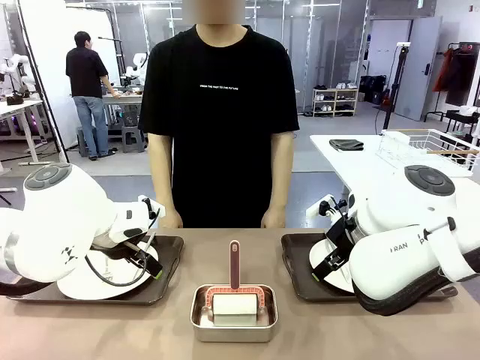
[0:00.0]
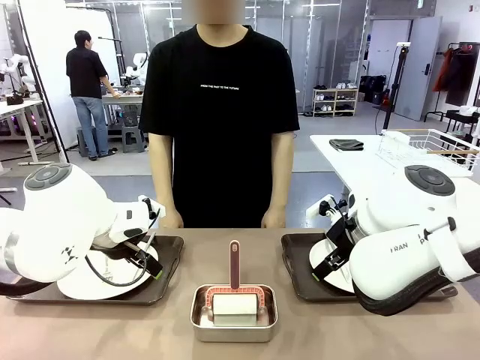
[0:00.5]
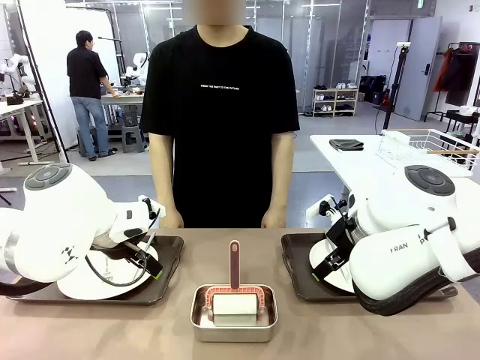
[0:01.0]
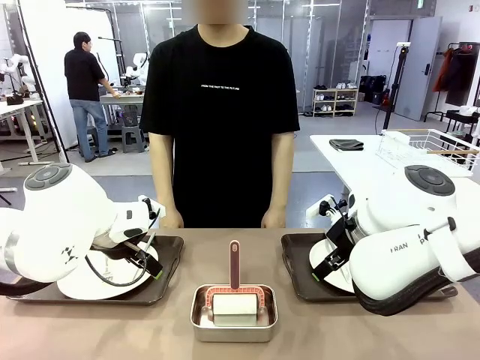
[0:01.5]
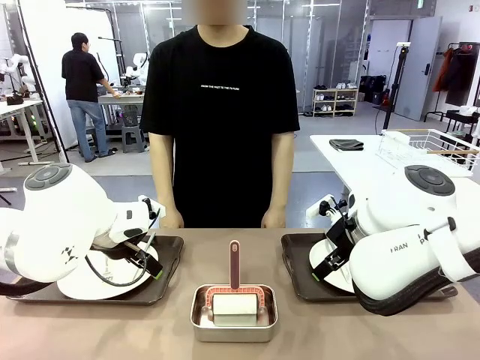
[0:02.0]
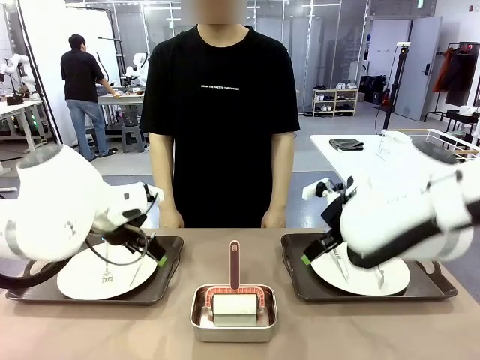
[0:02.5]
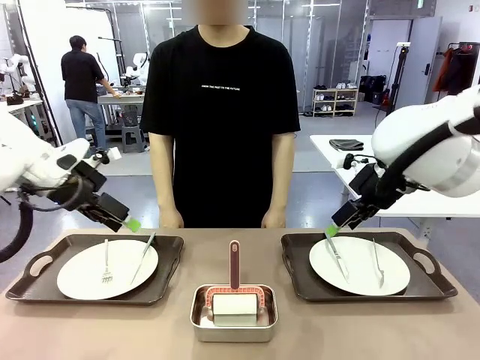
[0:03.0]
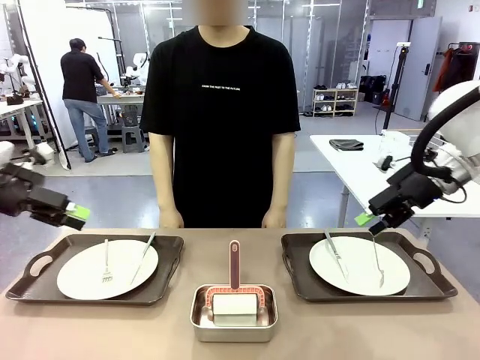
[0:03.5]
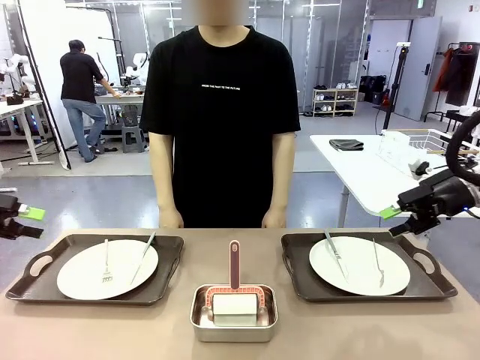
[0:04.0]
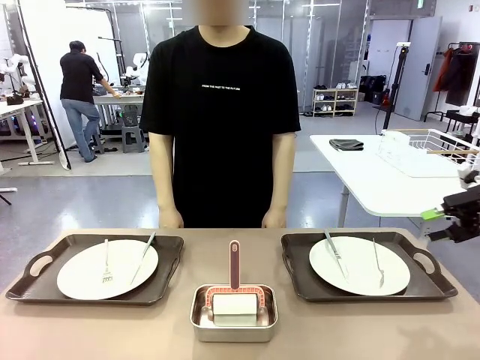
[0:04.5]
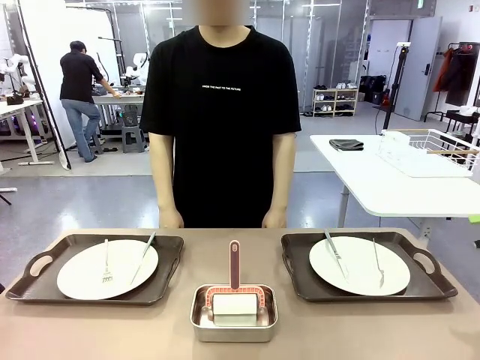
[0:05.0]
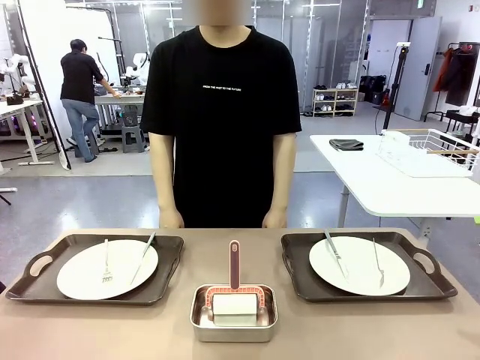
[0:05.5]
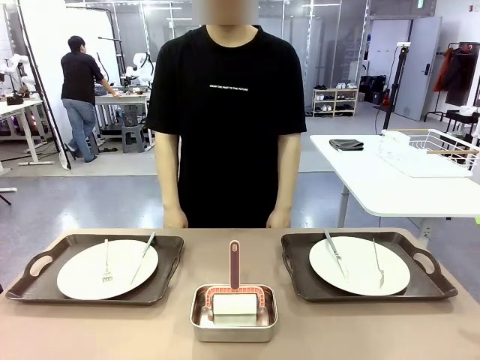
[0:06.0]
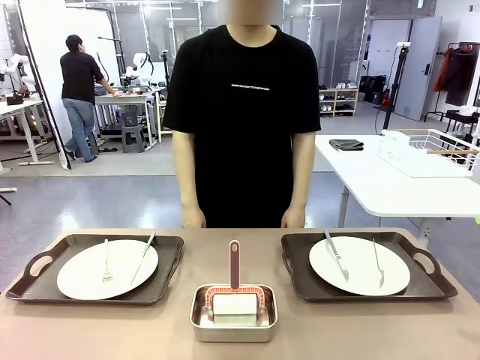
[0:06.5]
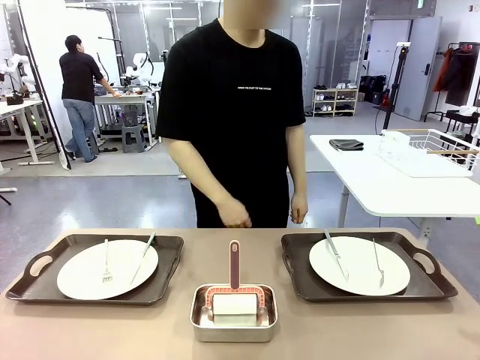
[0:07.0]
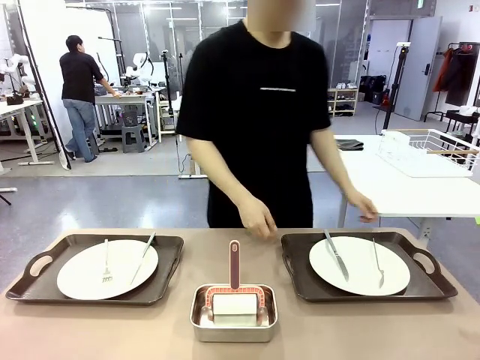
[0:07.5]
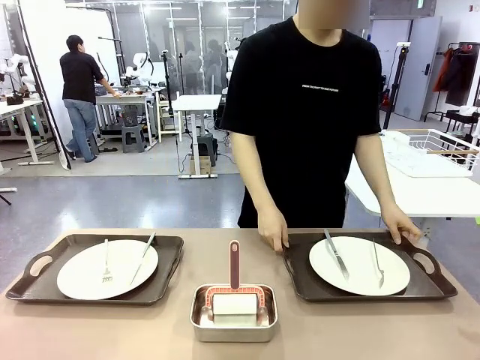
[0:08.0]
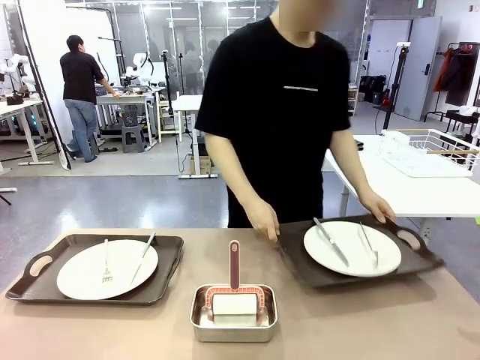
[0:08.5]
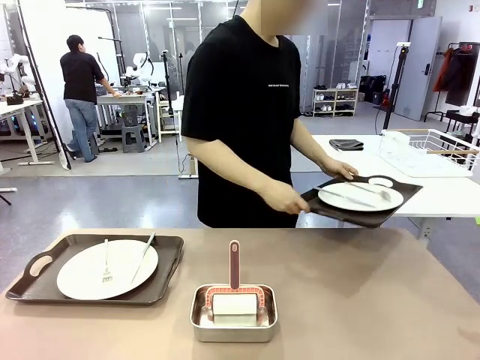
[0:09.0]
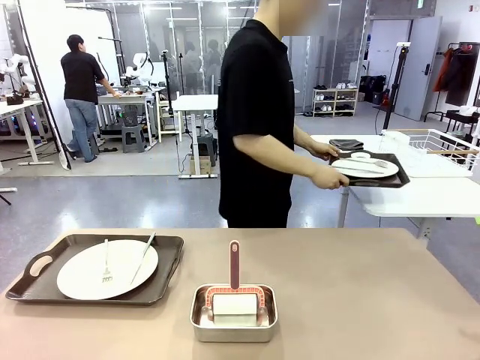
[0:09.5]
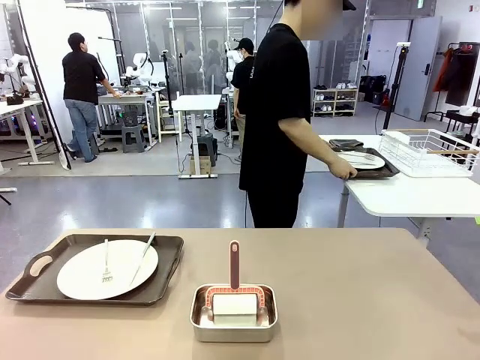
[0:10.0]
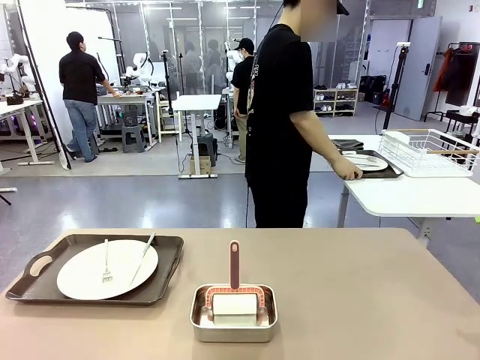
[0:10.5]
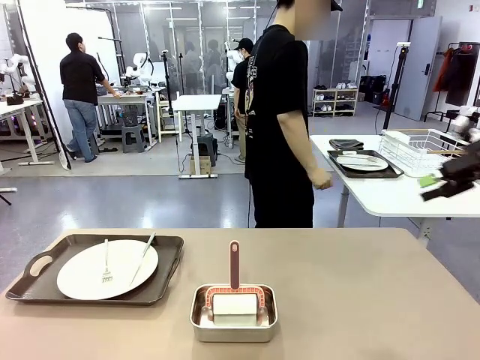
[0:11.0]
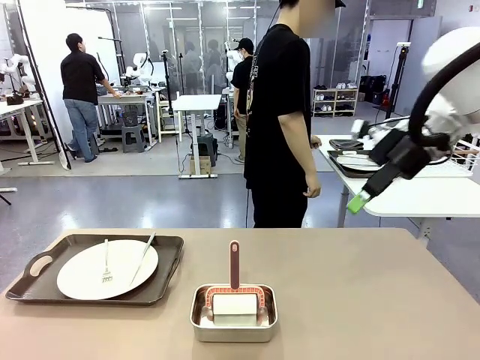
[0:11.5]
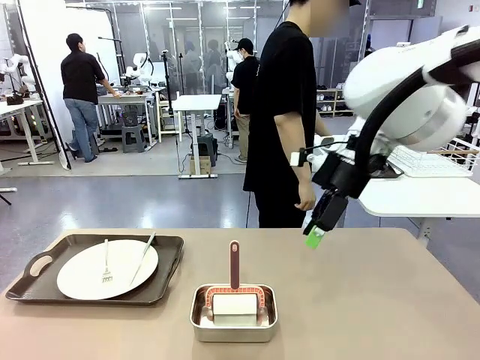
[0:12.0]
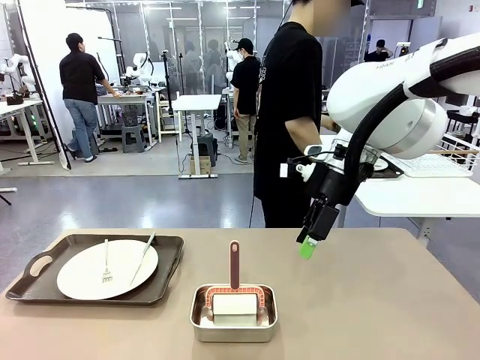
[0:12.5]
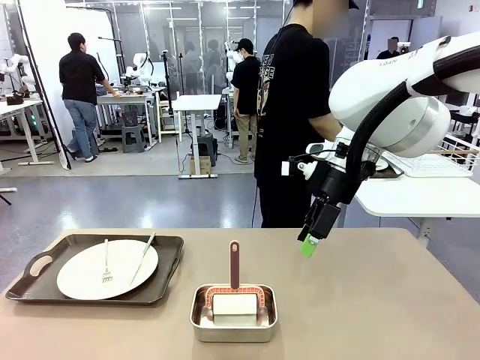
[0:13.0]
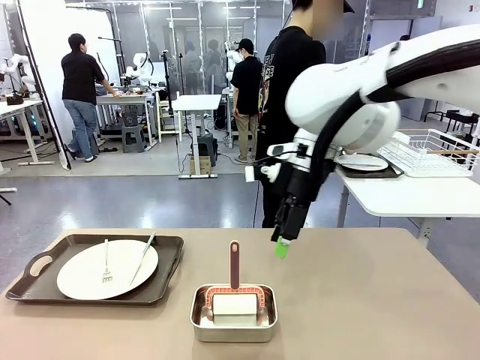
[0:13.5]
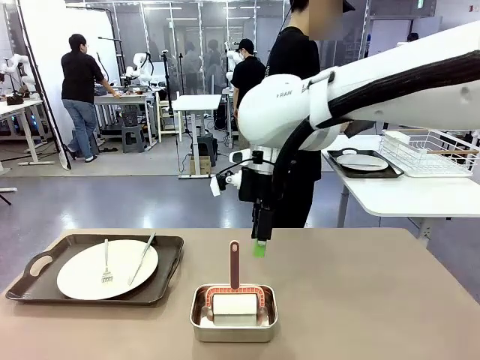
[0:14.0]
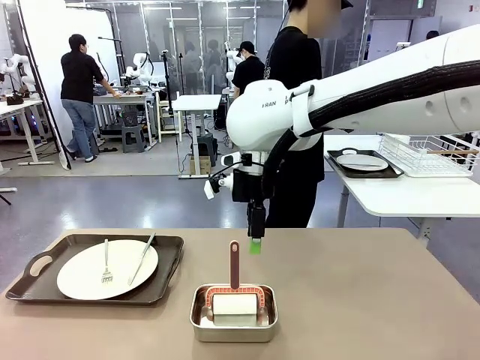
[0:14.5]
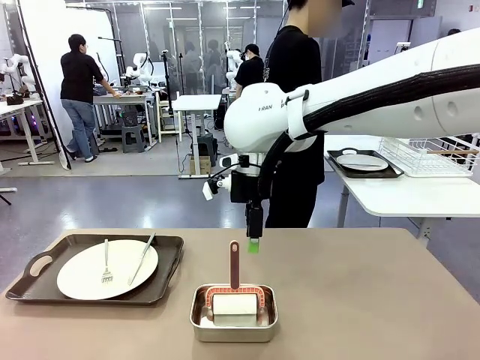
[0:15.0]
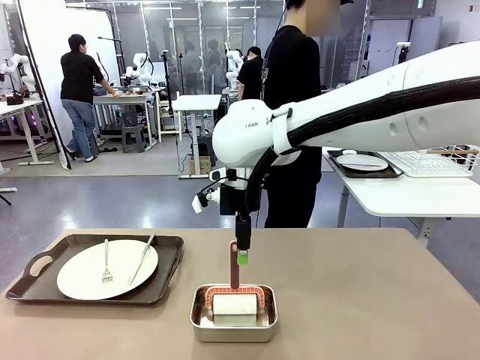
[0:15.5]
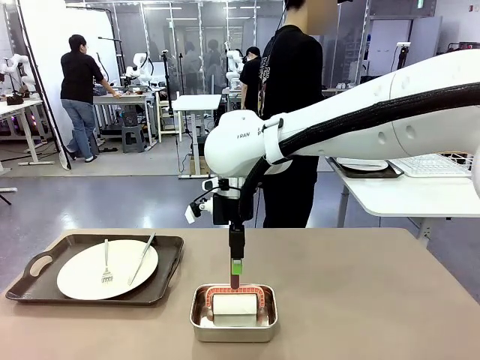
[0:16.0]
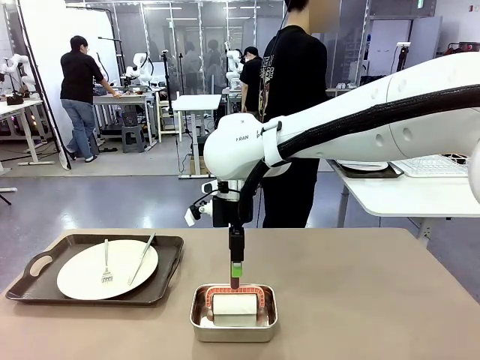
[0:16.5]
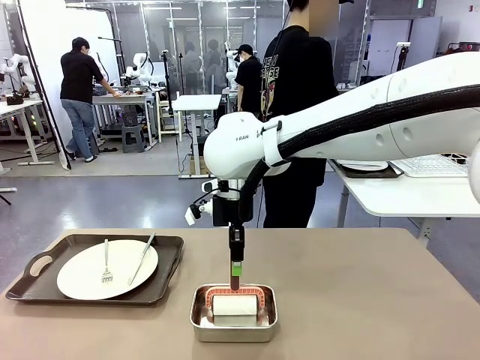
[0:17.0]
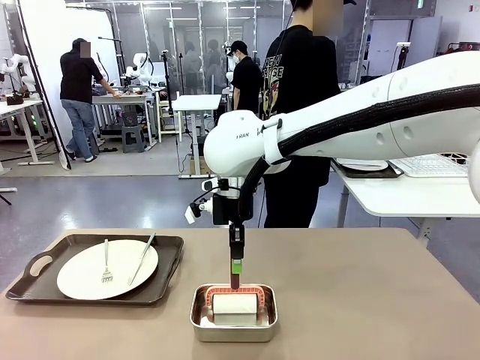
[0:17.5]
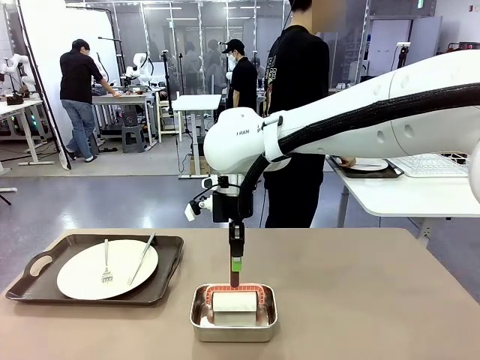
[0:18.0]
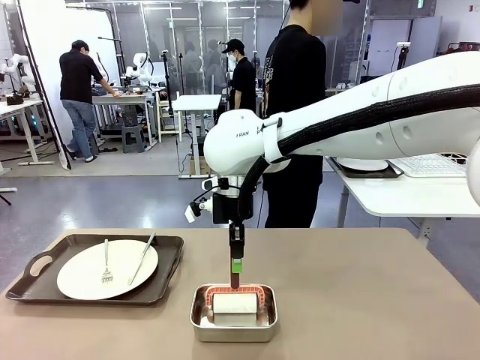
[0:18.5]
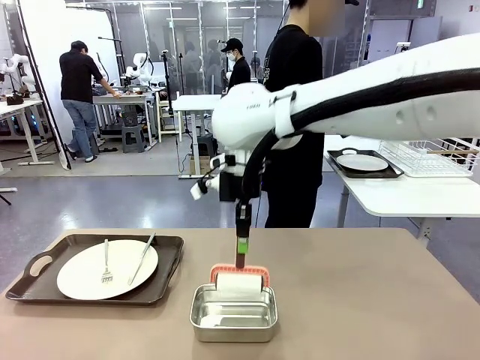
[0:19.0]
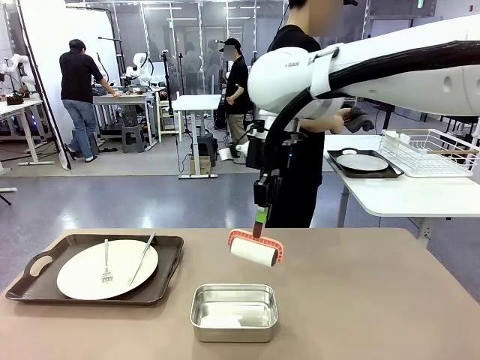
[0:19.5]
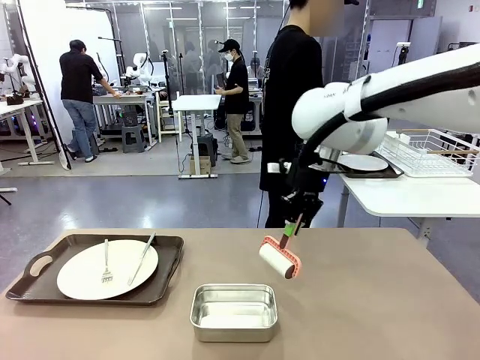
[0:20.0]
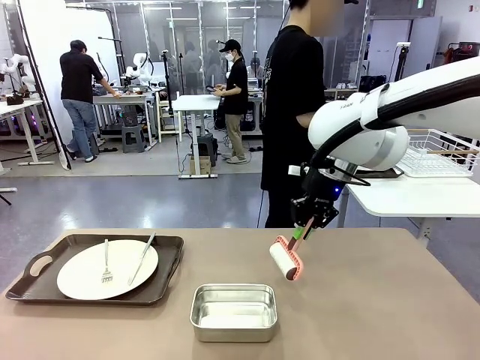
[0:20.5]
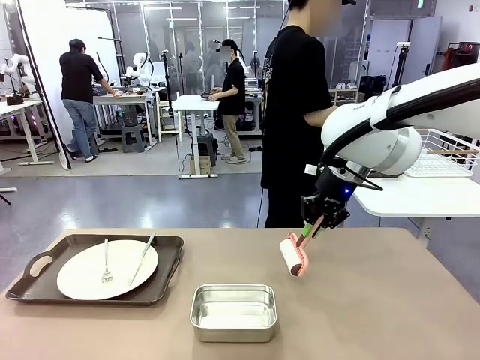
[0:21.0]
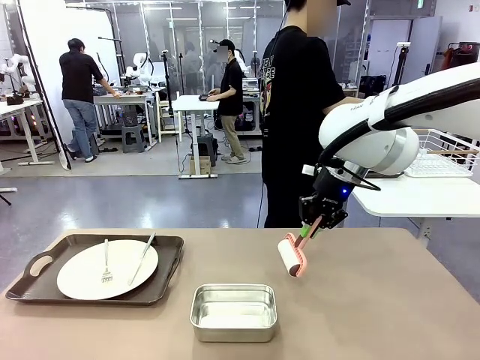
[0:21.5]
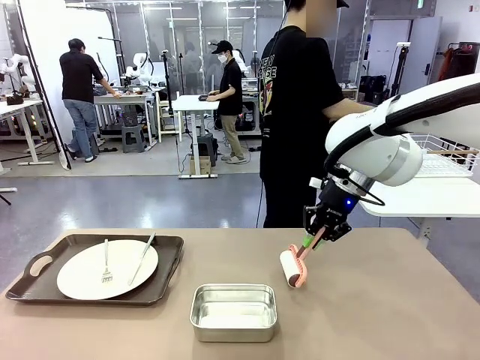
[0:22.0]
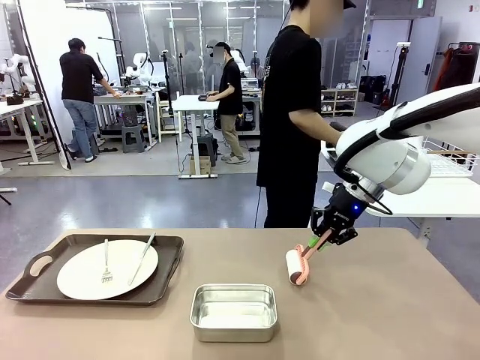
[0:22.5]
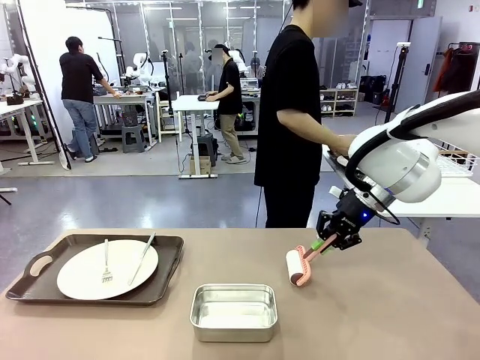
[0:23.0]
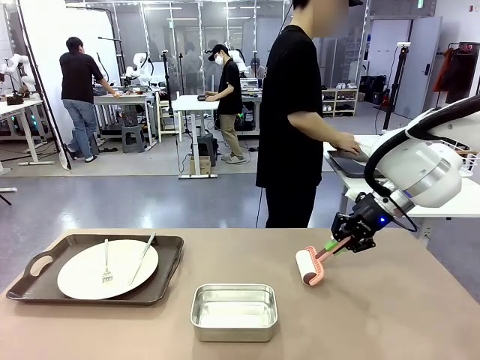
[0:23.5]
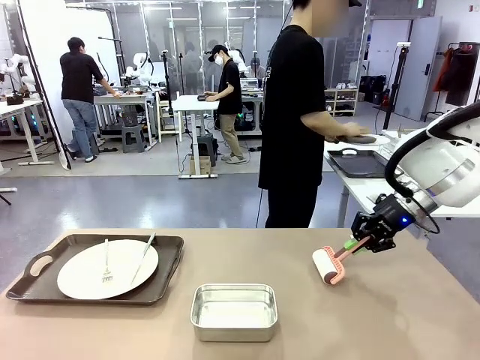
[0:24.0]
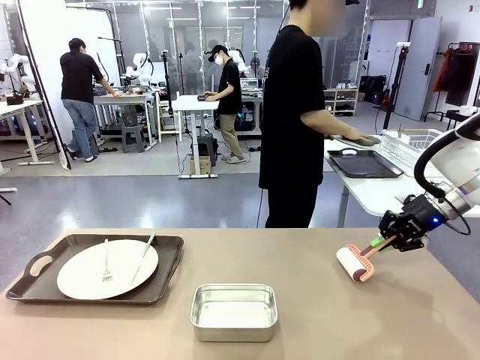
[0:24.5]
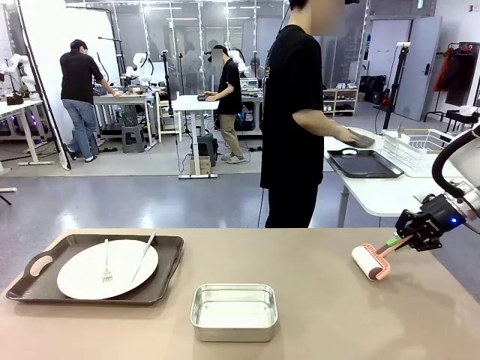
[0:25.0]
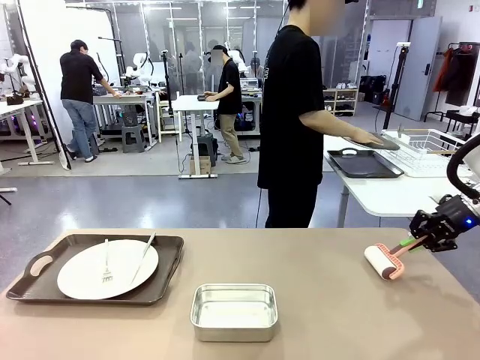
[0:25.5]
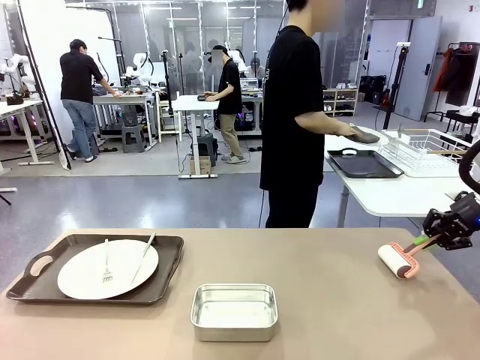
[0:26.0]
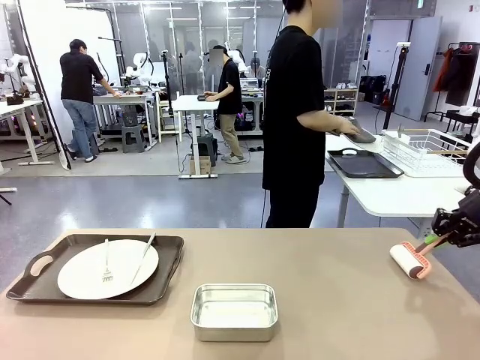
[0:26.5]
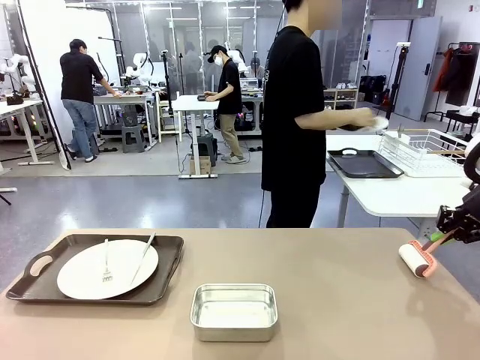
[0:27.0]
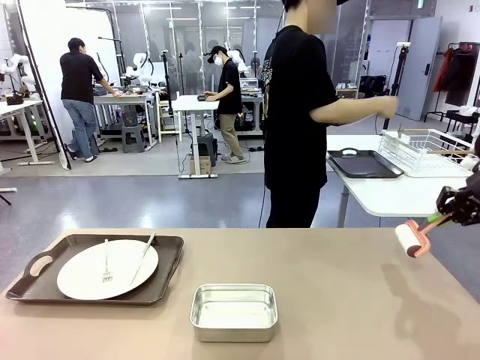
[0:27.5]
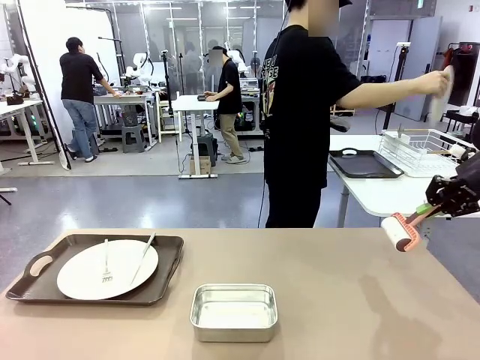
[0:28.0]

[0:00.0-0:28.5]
Robot: When the left (or right) Handle tray is removed, use the left hand (or right hand) to clean the left (or right) side of the table with the Lint Roller.
Person: Pick up the left (or right) Handle tray and place it on the middle of the Human's table. Use the Towel with hook to wipe the Plastic Matte Plate , Fork , and Knife and place into the Dish drying rack.
